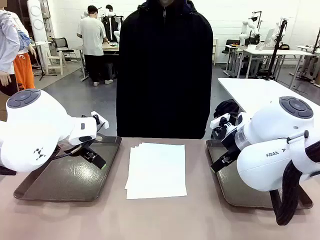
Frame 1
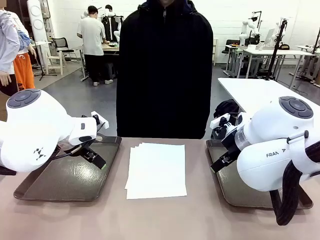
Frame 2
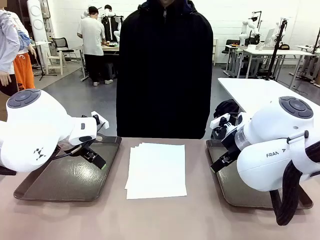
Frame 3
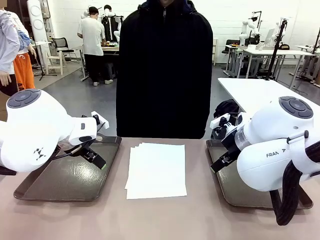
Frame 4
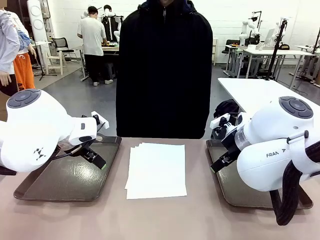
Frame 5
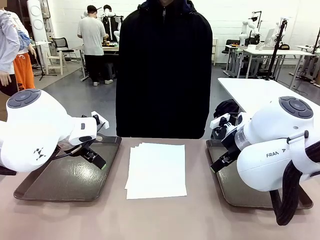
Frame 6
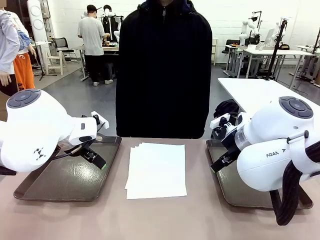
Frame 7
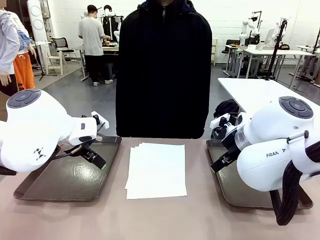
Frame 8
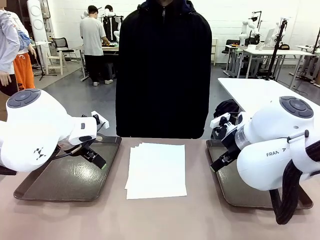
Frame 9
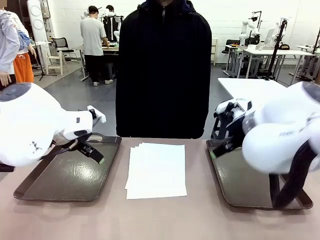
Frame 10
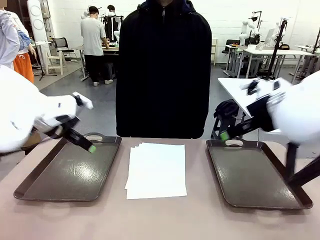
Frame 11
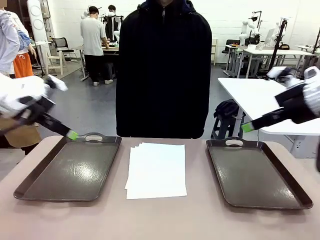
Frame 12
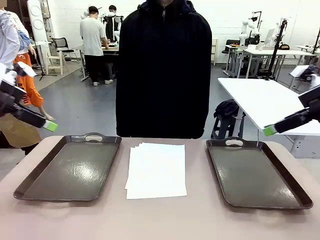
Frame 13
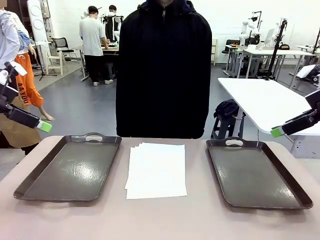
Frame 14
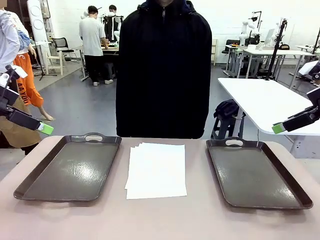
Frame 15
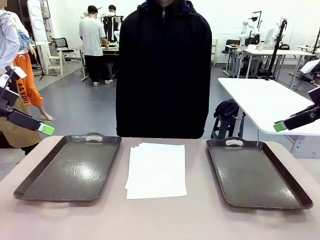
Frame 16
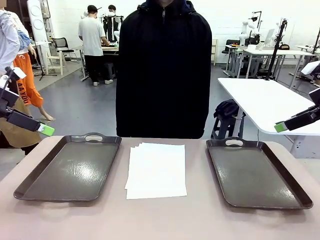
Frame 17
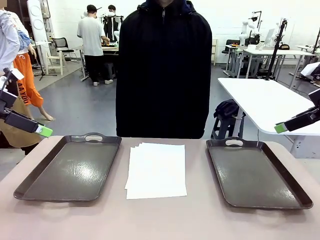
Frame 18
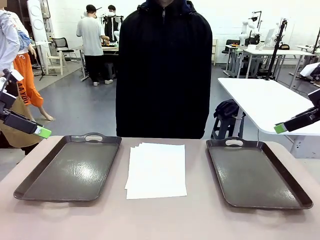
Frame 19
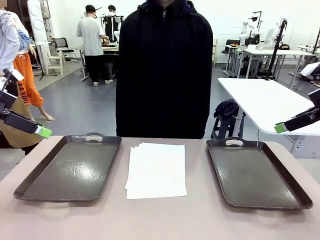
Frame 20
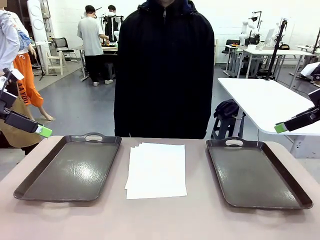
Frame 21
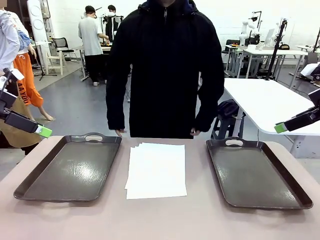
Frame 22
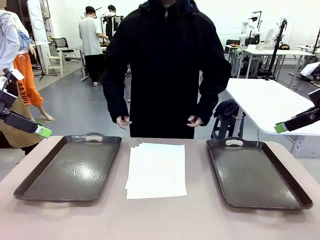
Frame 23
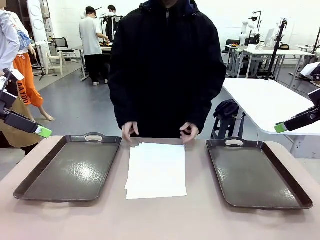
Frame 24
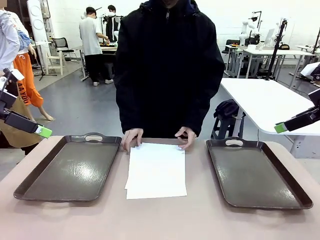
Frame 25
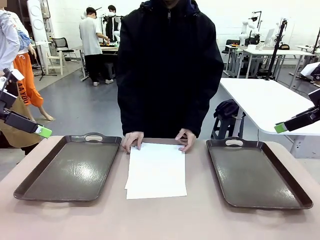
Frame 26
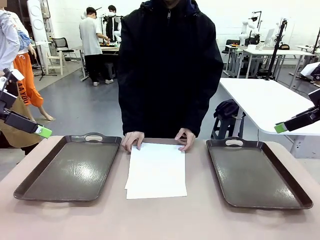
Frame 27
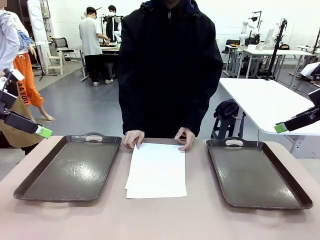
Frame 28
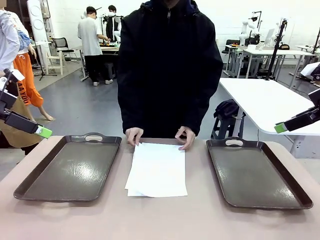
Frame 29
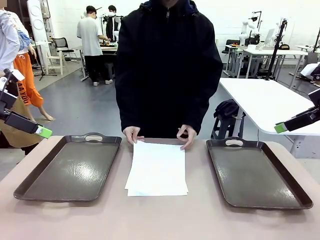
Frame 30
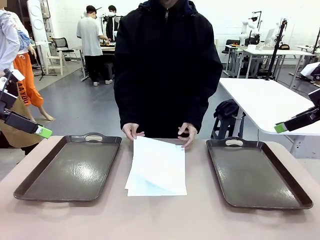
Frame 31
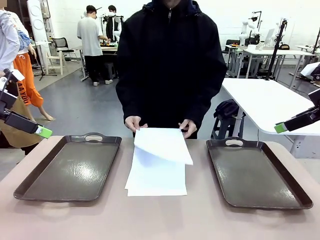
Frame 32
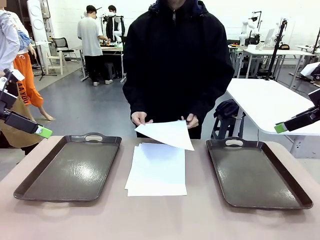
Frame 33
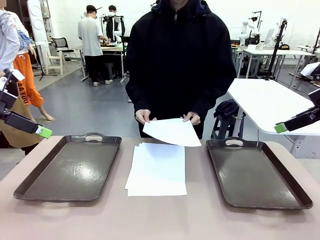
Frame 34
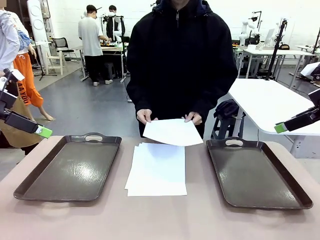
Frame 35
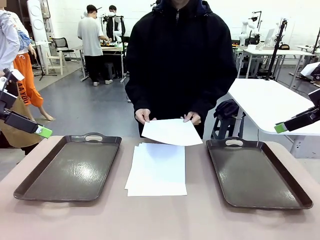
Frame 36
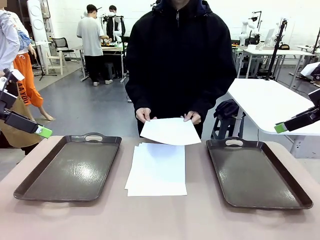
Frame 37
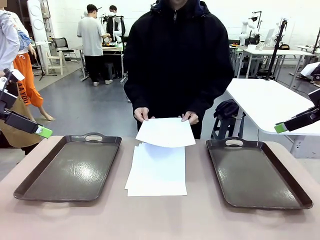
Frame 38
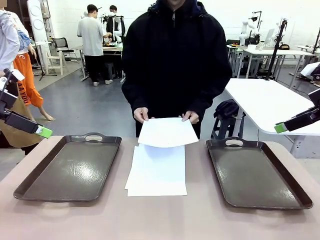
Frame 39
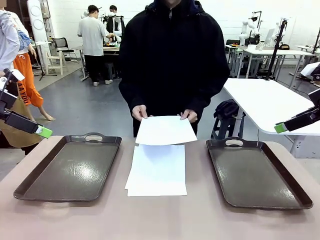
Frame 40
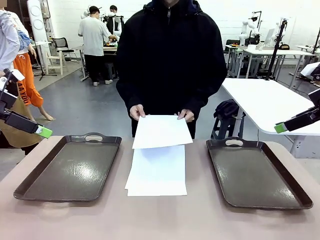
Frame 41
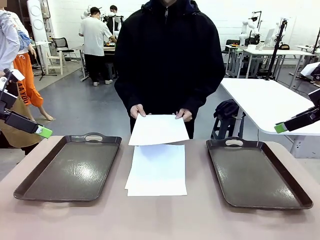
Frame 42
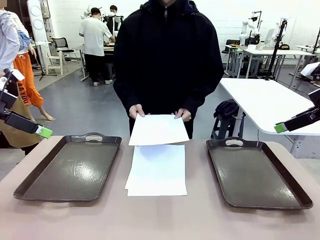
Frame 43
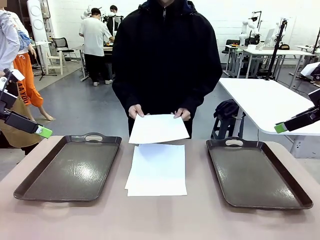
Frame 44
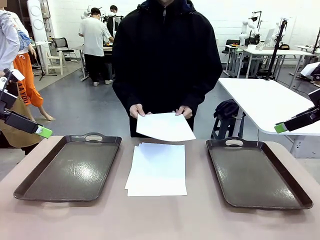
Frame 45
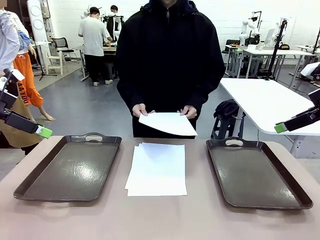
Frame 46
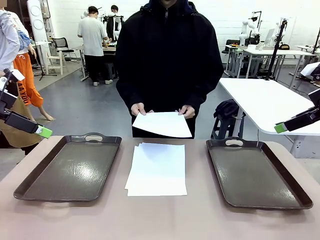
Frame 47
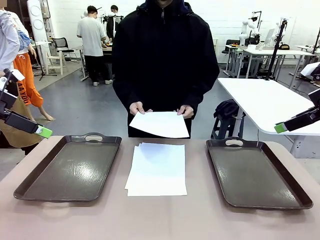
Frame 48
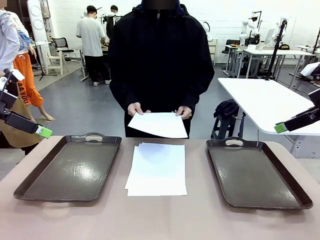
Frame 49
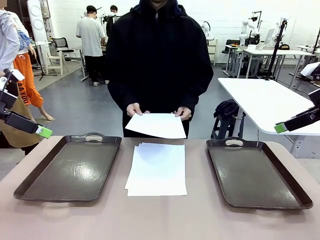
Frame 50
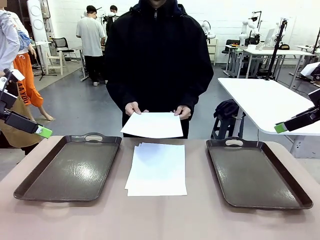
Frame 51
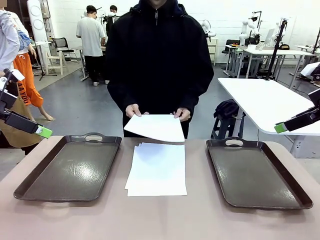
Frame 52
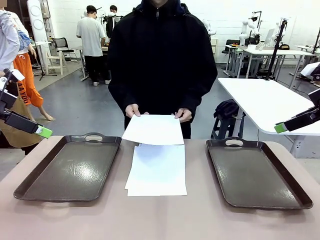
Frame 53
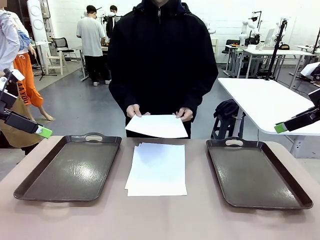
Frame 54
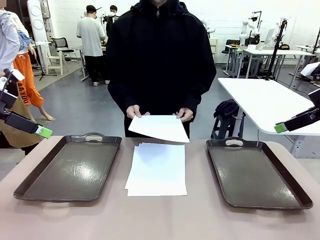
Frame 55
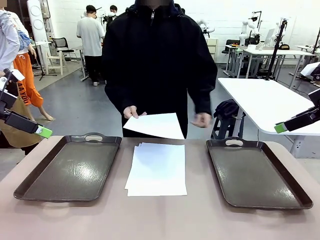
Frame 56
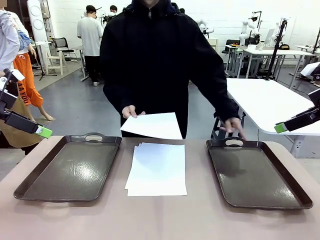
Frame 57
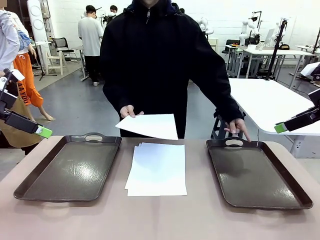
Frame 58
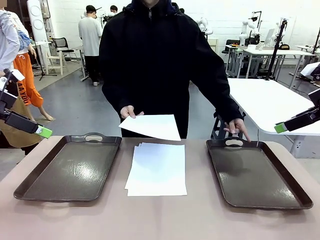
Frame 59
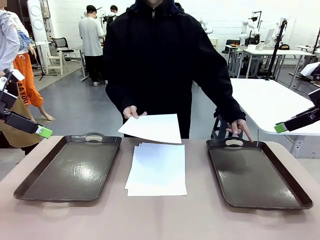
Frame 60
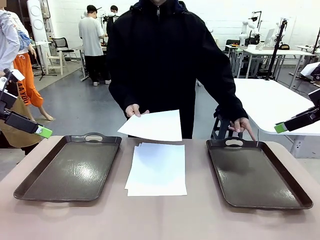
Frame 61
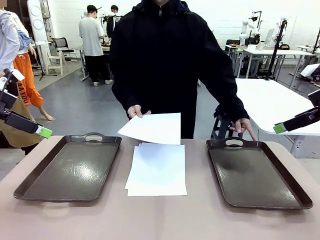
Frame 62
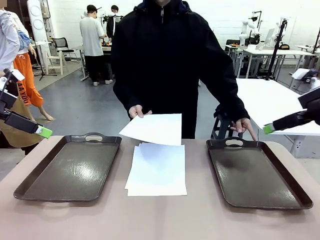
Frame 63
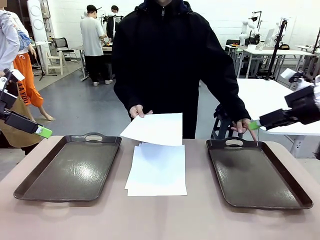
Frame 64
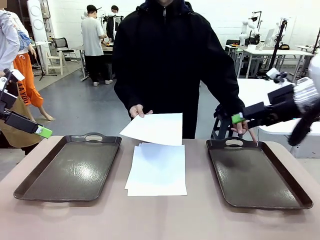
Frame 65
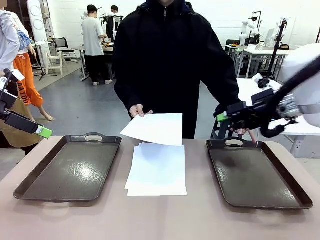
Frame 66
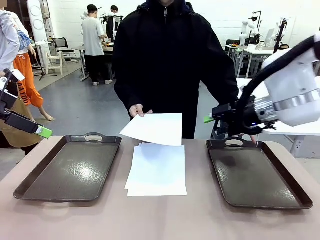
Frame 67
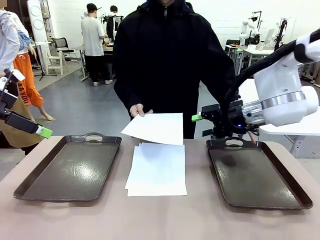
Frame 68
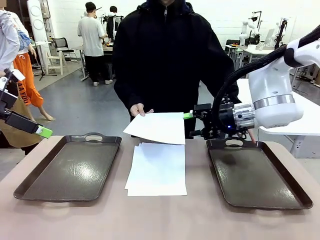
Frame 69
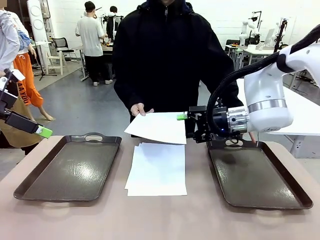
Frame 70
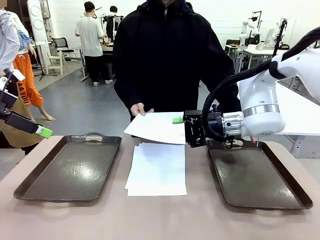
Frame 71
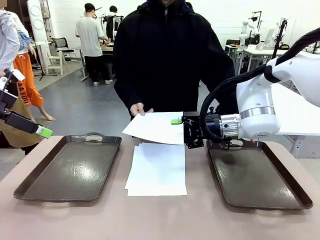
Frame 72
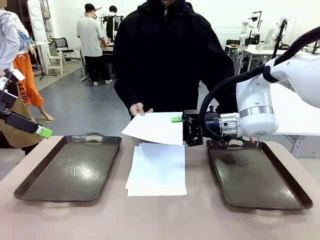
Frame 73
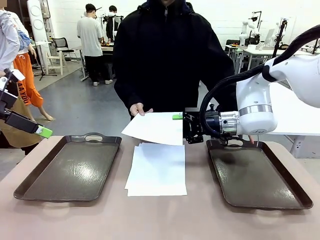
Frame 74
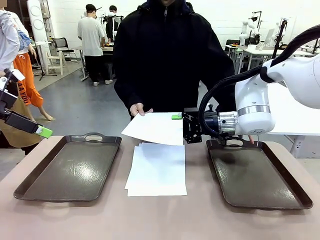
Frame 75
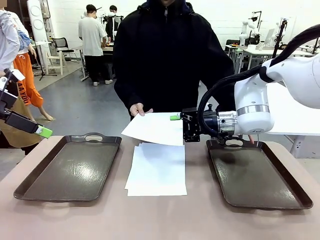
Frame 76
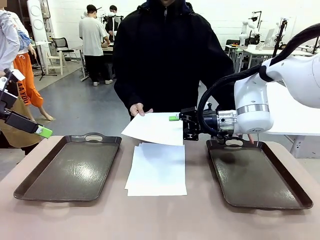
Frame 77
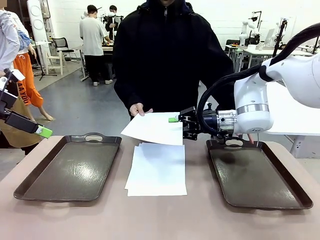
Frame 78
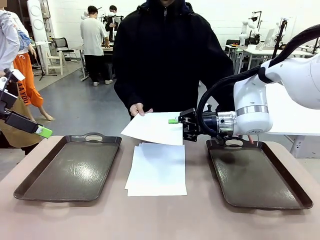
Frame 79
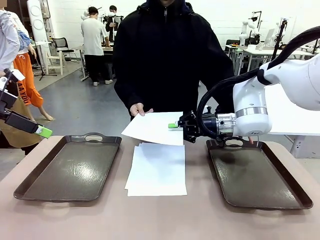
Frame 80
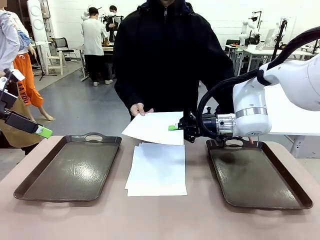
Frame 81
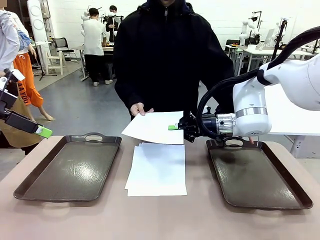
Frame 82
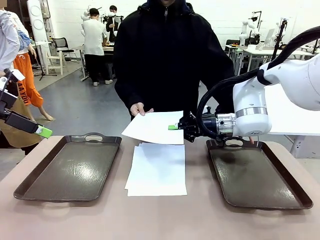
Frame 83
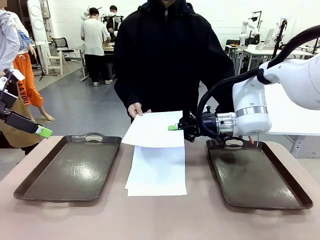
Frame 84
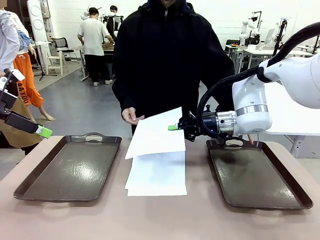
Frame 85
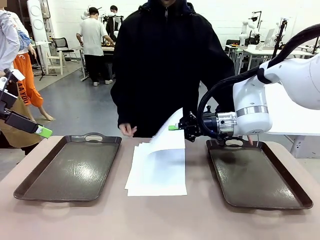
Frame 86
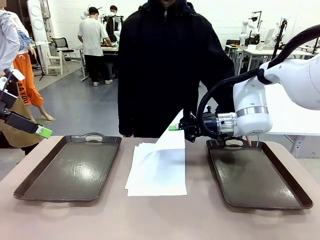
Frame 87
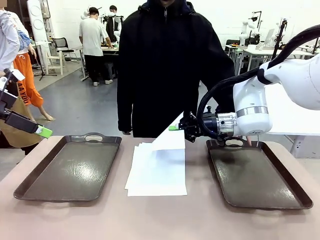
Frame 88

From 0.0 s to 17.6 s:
Task: Sort the A4 documents.
Robot: Receive the A4 Paper.
Person: Pick up a sheet of paper from the center of the table and hand it to the robot. Point the randomly selected tray with the other hand.
